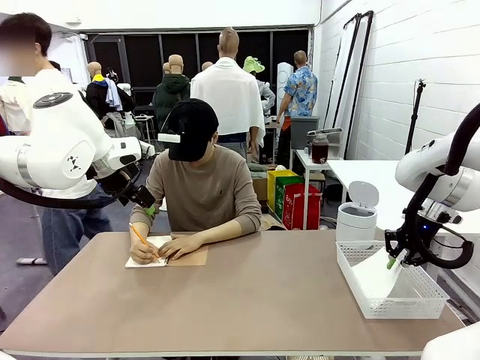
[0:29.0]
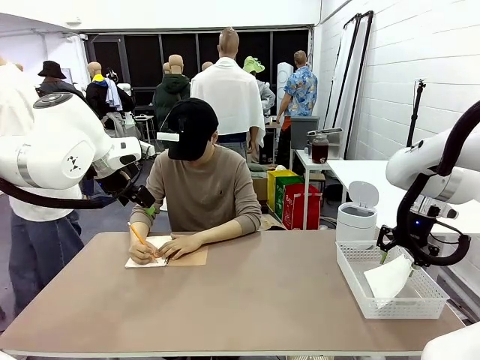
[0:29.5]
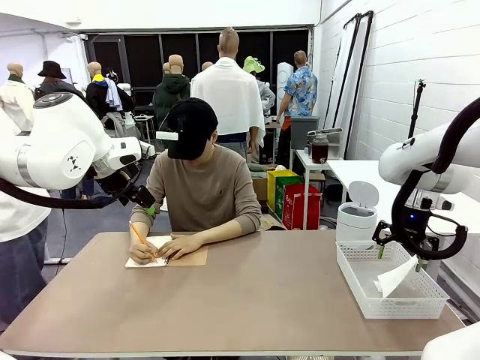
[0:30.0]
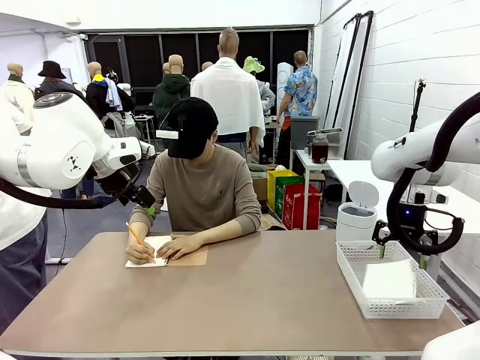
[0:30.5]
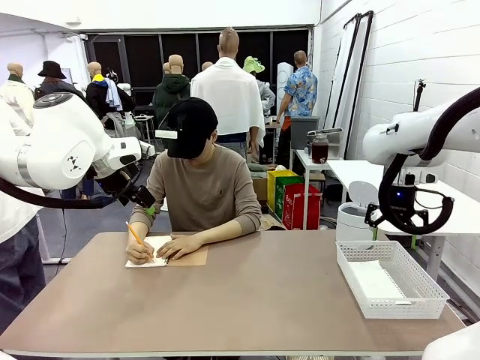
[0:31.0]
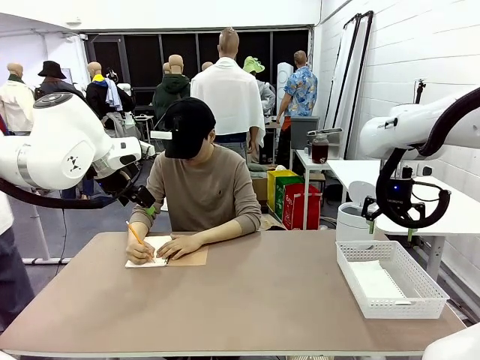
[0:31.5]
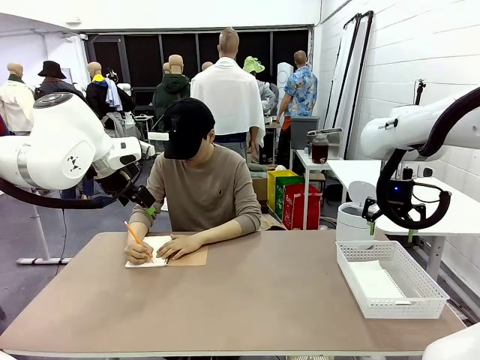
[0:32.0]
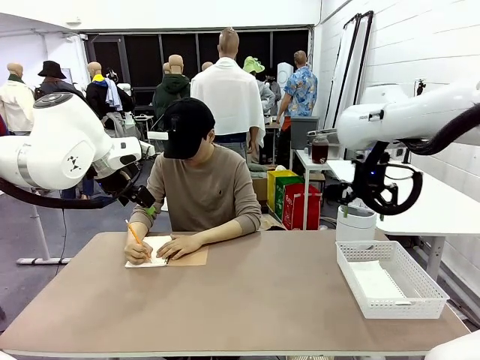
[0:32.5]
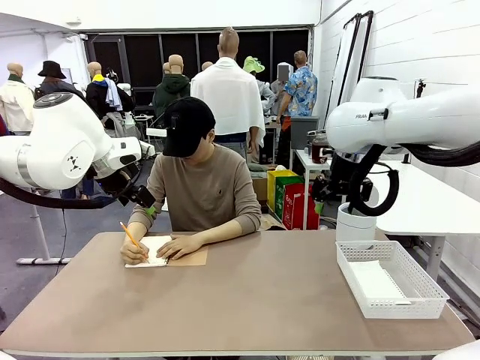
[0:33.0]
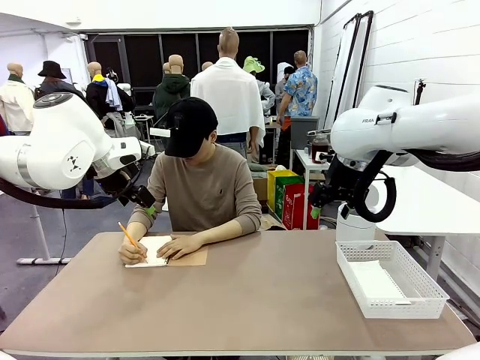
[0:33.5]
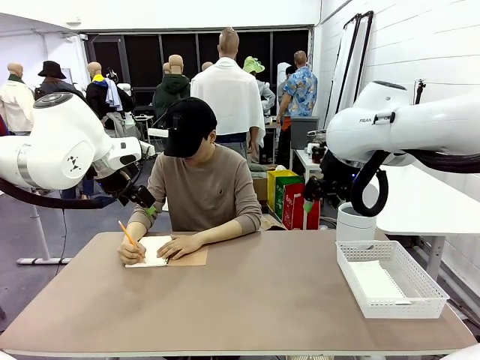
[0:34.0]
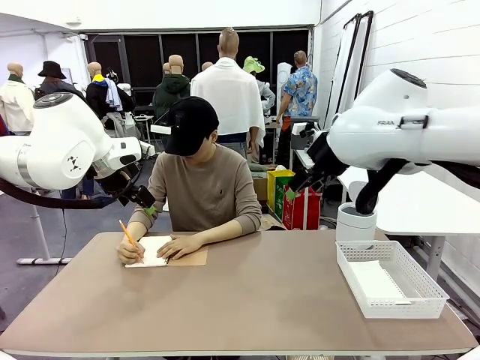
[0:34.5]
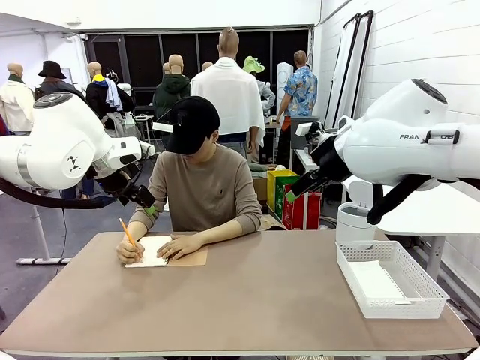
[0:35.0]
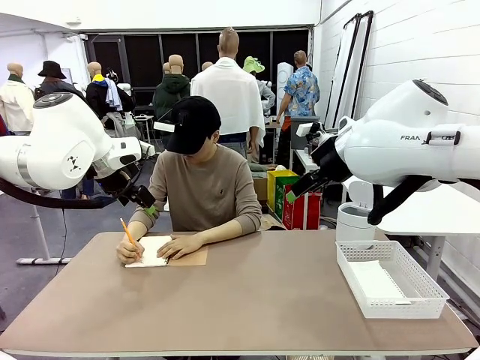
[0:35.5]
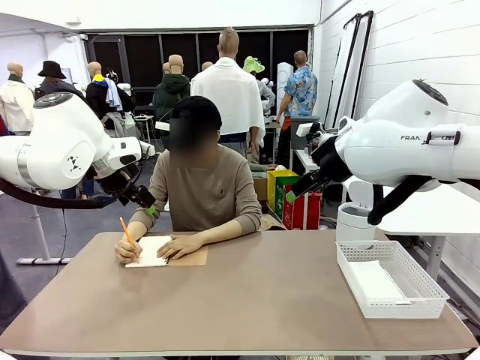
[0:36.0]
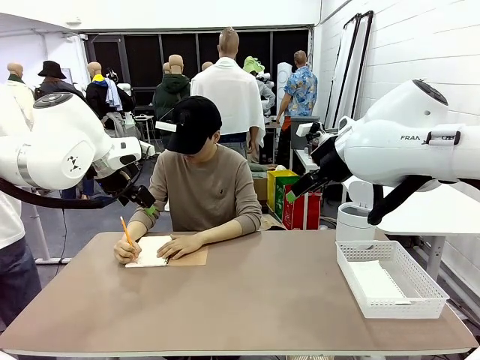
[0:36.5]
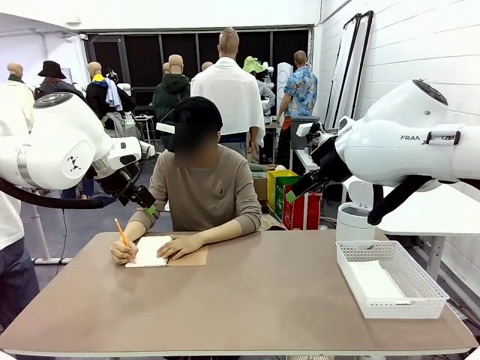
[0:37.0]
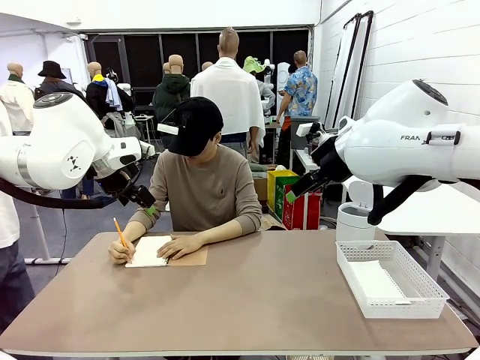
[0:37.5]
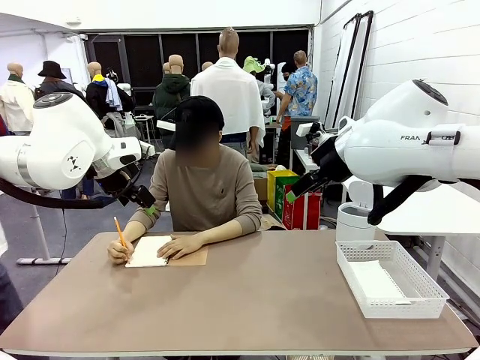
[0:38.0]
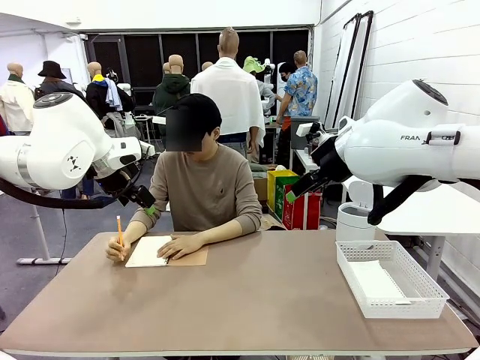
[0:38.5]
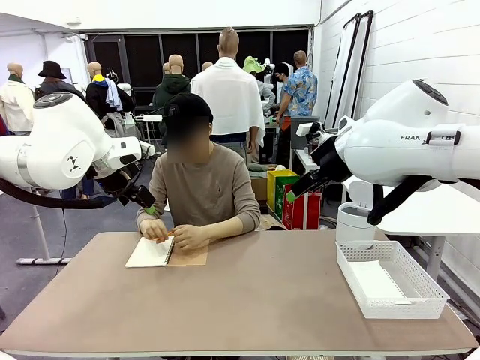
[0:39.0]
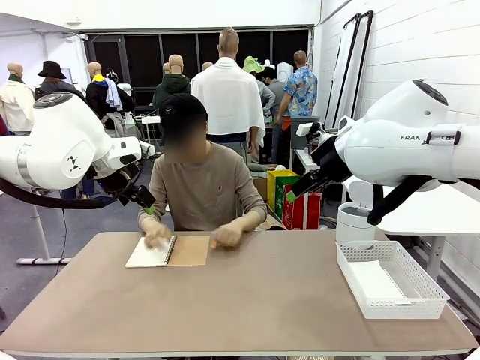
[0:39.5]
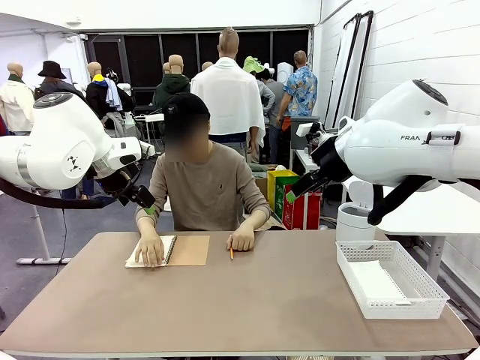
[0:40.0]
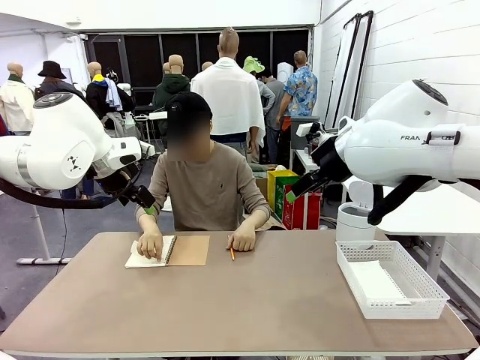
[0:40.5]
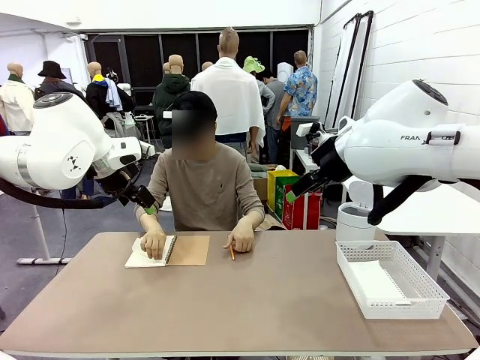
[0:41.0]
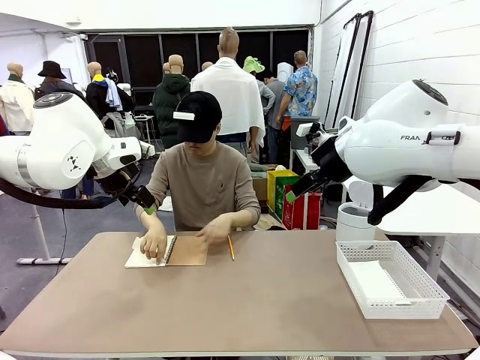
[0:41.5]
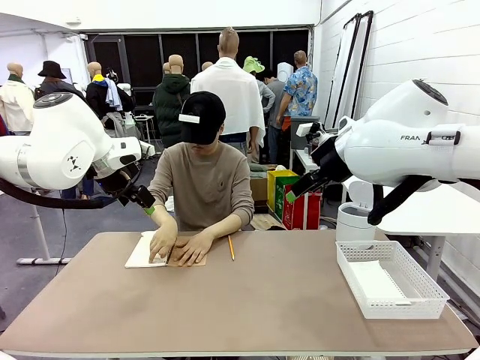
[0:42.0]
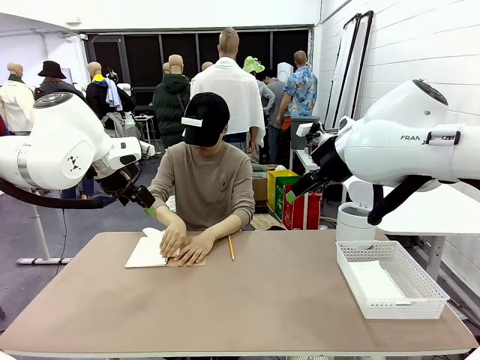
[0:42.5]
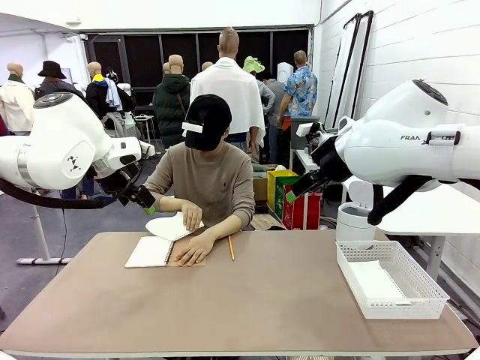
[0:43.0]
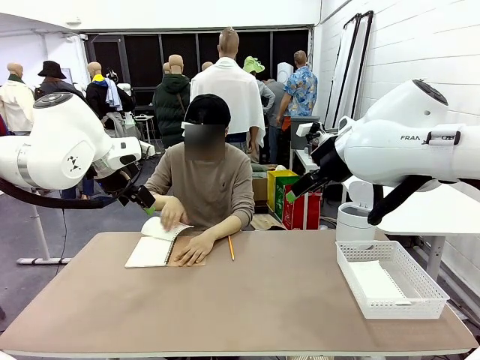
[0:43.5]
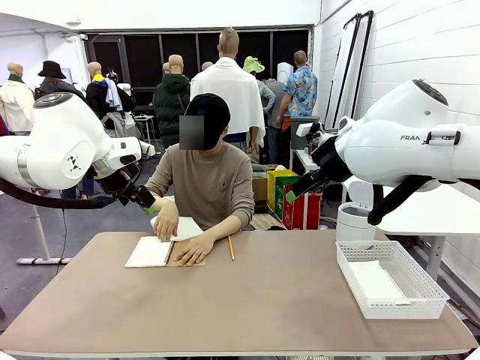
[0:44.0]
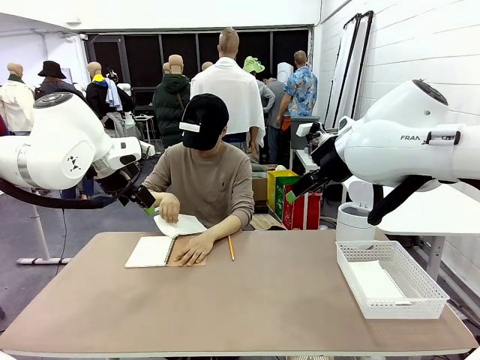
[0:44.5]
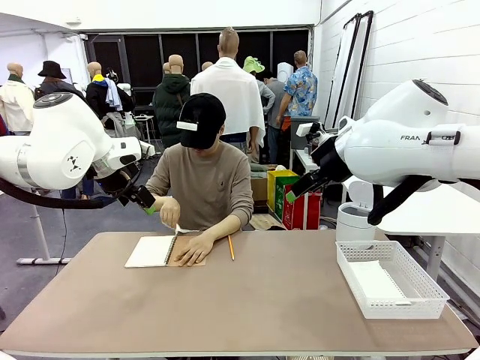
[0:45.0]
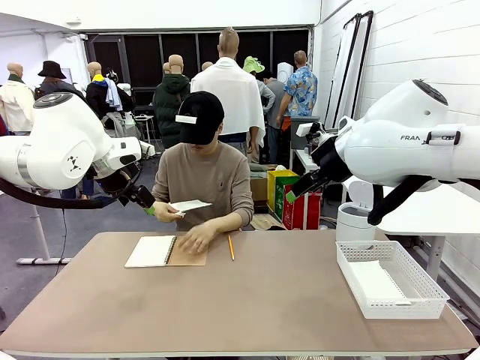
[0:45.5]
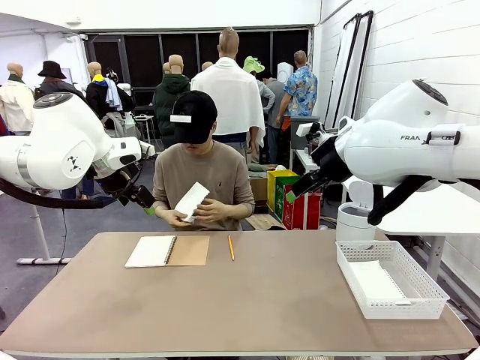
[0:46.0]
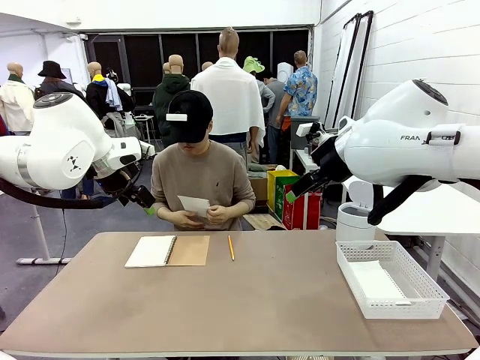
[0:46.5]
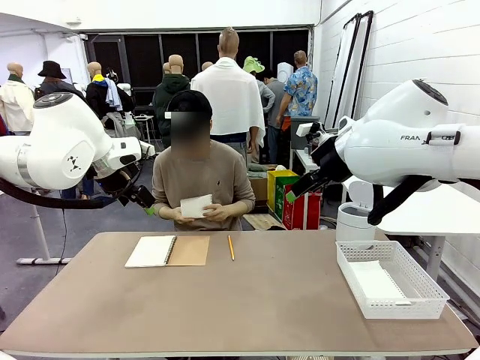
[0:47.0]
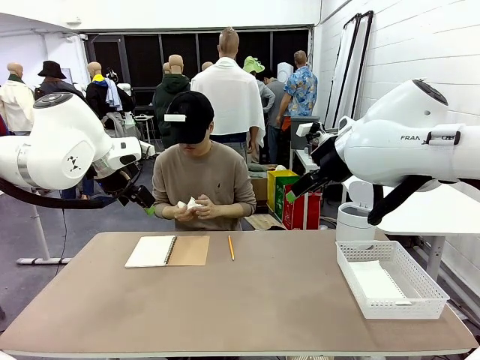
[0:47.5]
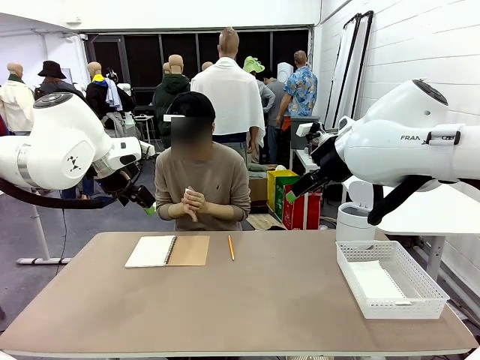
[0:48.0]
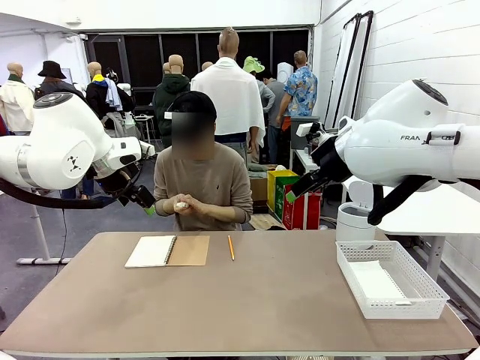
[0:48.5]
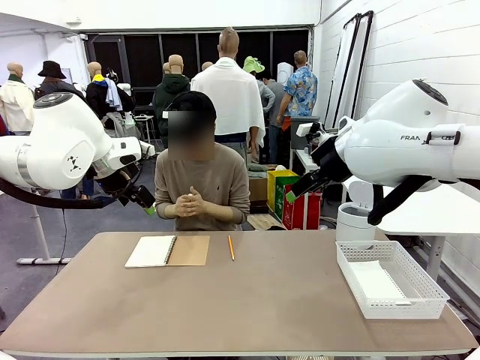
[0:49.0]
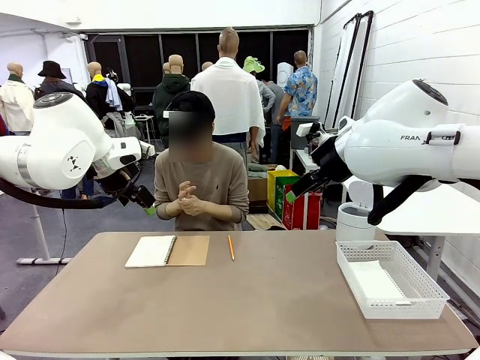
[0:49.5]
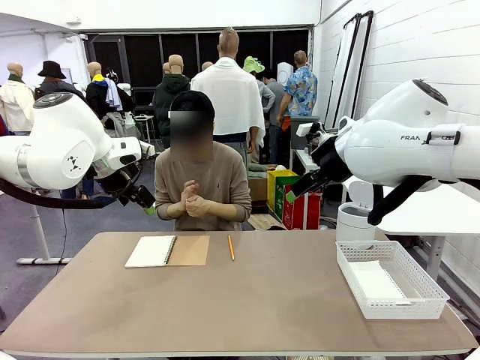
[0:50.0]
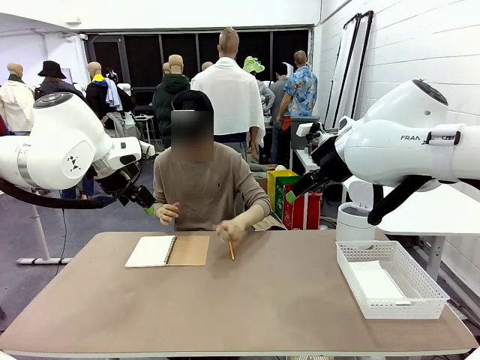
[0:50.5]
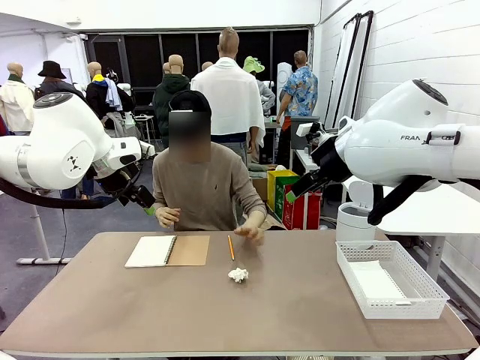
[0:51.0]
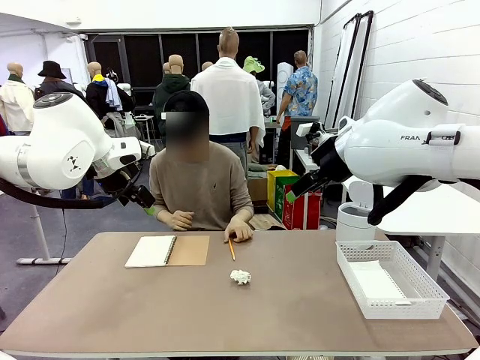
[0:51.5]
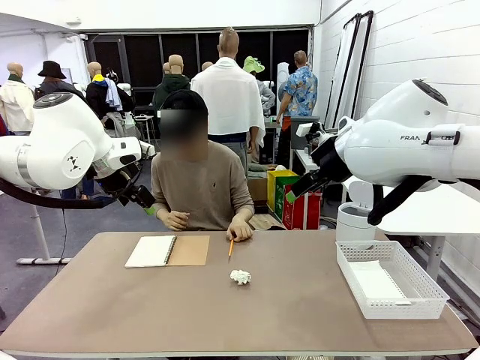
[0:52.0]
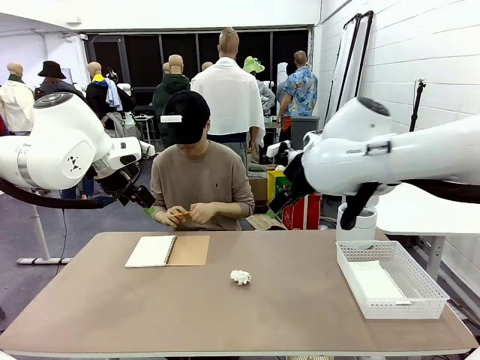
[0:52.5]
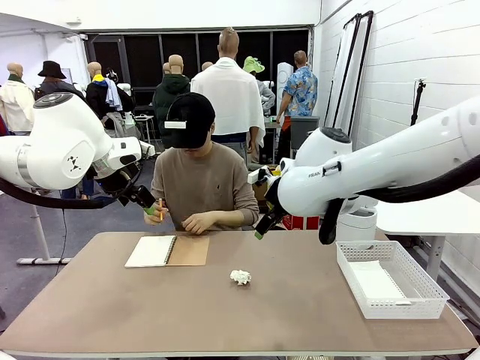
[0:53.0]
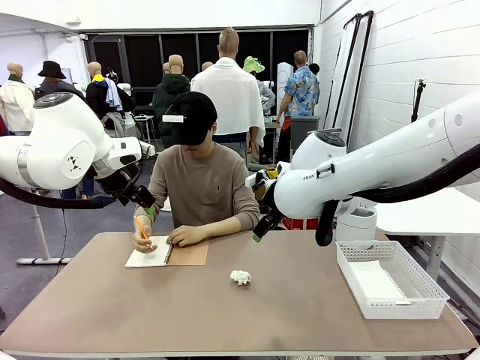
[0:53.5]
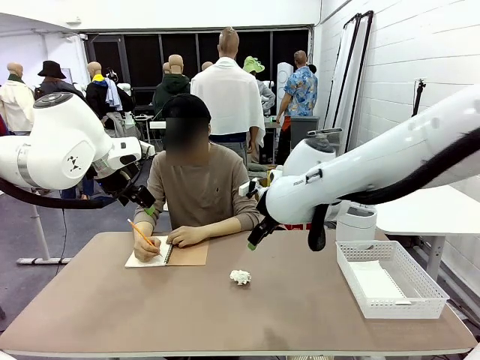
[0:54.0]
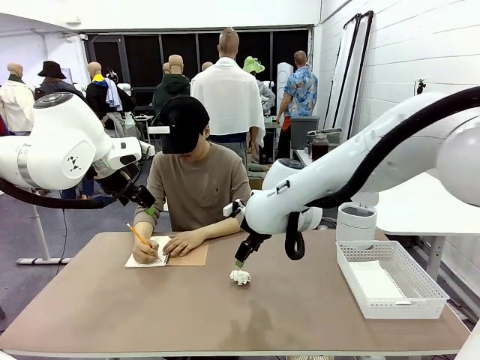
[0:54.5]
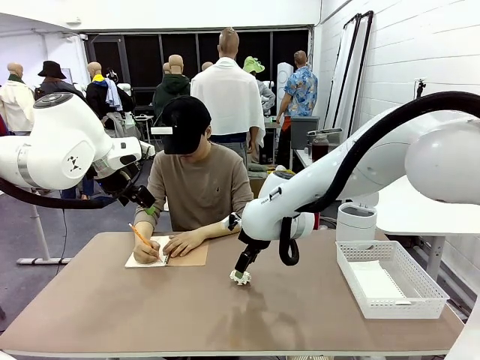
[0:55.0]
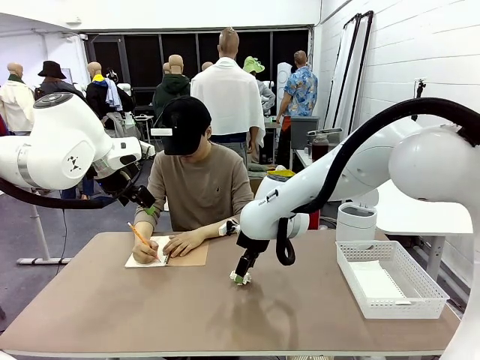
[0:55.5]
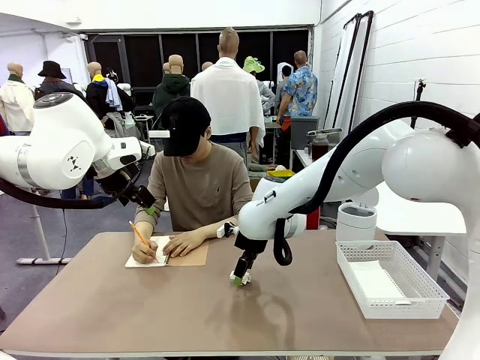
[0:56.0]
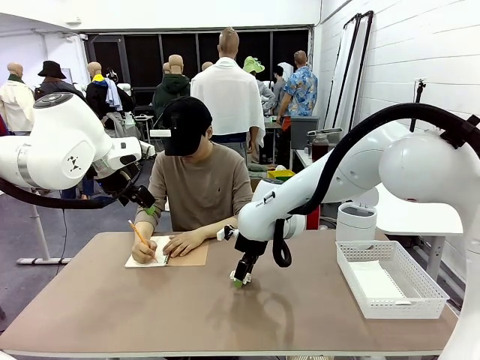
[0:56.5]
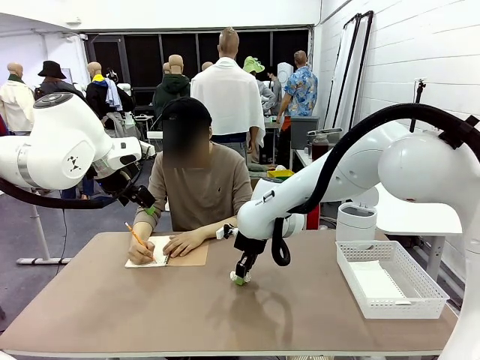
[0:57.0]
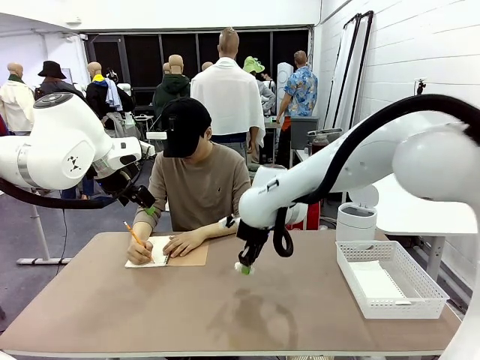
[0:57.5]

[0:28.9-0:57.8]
Task: Sort the paper based on its condition.
Robot: If a person hands you a paper, place it in the Organizing basket , and if it's crumpled, put it in the Trash can.
Person: Tear out a page from the spiral notebook. Hand the torn page to the robot or crumple it and throw it to the center of the table.
